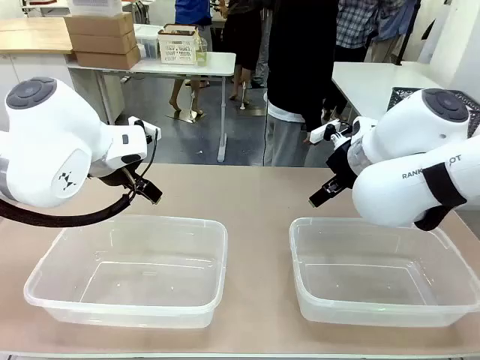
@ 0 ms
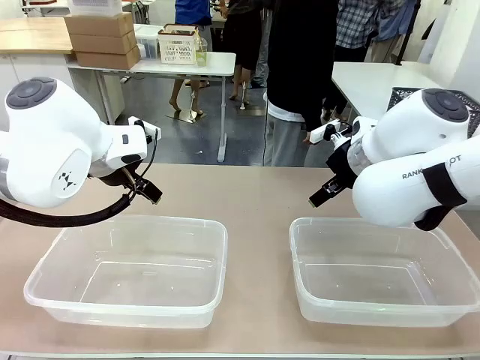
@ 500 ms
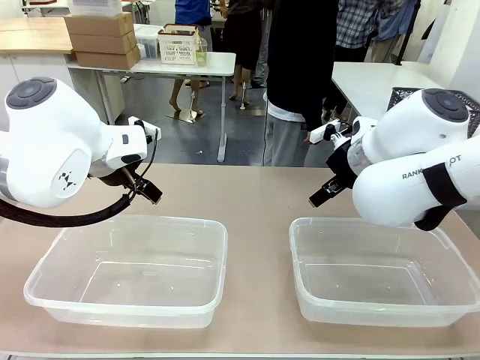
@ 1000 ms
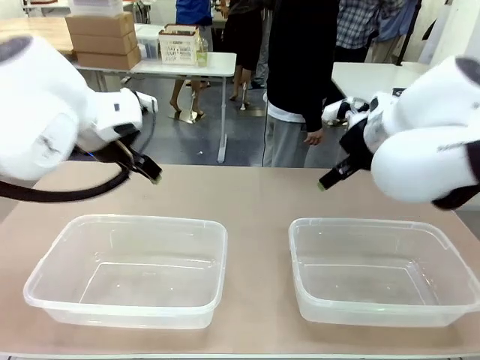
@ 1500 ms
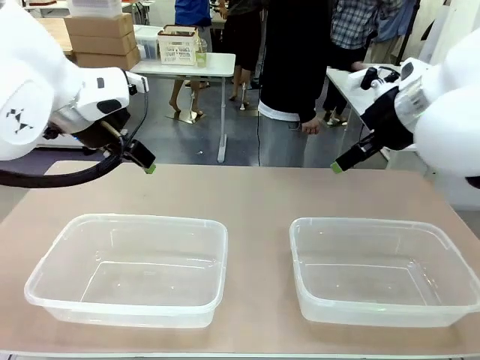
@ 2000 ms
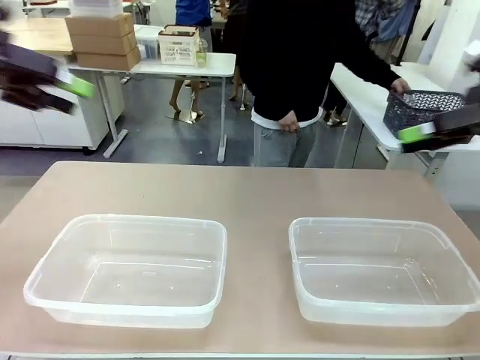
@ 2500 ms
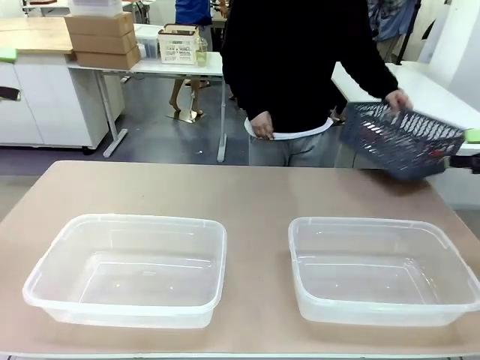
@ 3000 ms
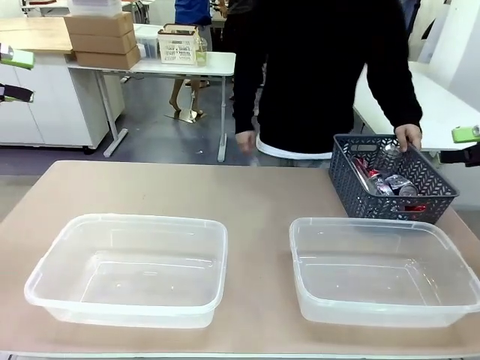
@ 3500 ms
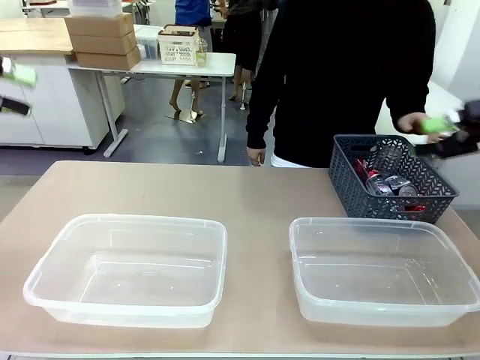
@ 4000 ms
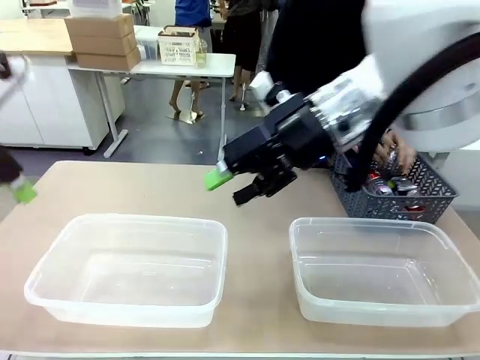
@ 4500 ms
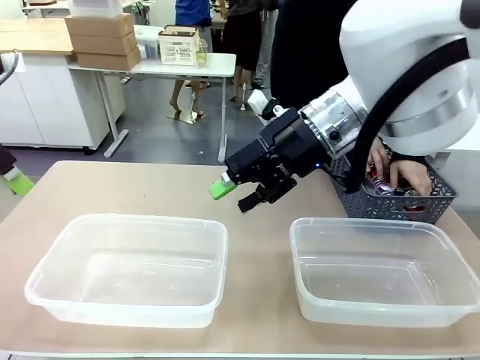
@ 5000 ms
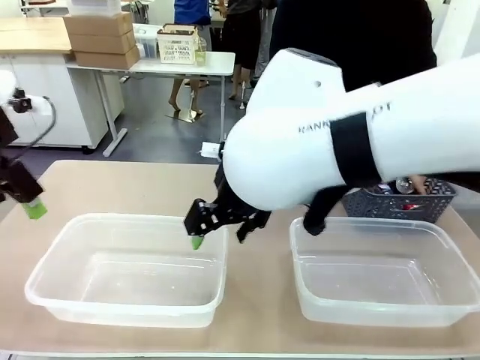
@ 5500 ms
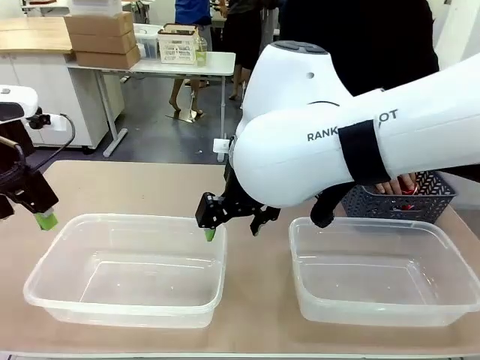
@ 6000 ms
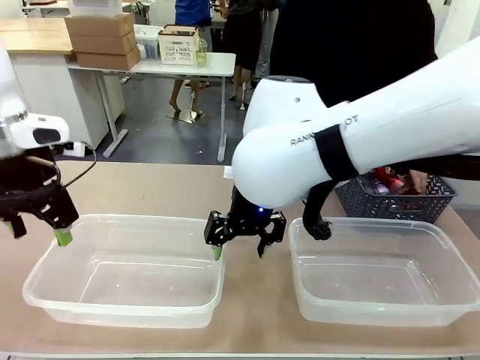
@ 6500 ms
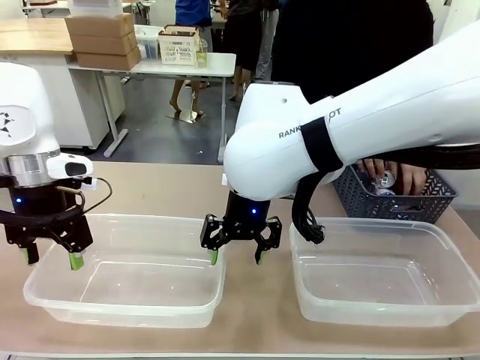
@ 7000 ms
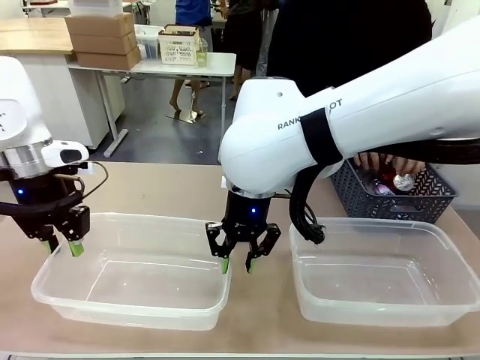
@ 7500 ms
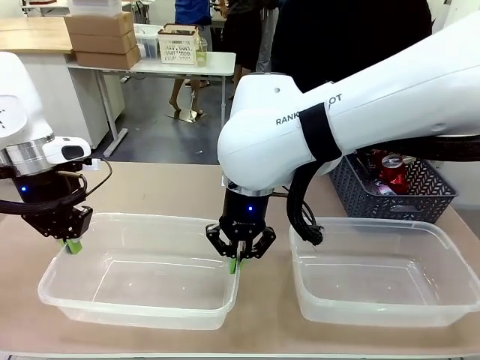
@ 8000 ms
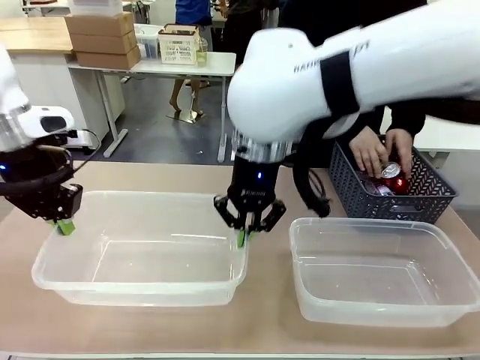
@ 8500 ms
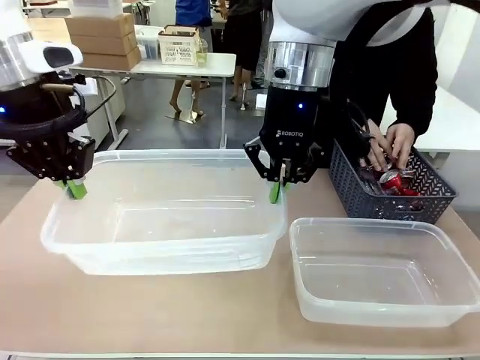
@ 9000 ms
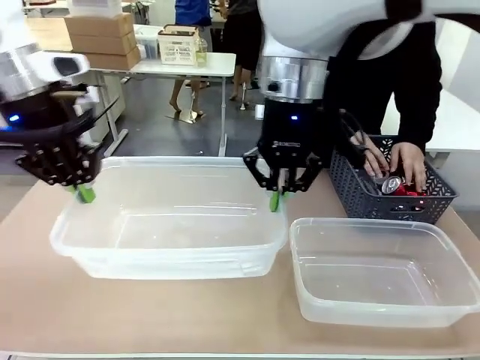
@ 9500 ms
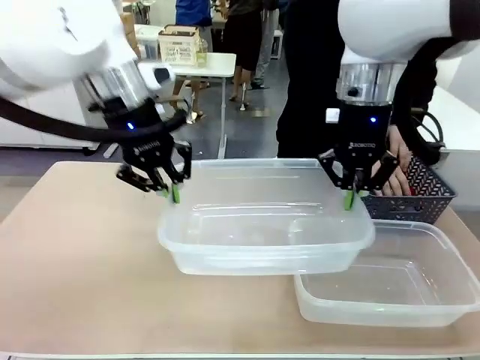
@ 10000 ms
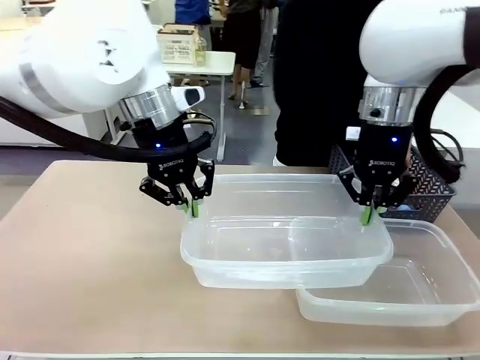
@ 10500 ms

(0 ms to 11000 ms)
Robot: Pick up the Organizing box on the left side of the table and lift it.
Person: Pick up the storage basket and place it on the left side of the robot table. Pick up can-shaped waste one by one and place it into the organizing box lifted by the robot.

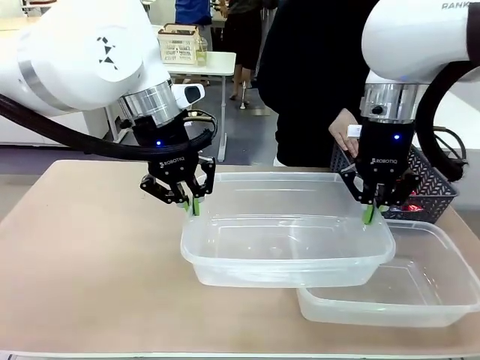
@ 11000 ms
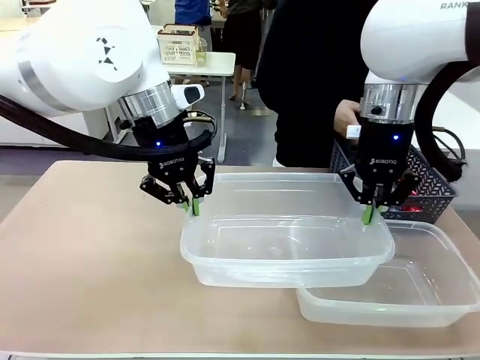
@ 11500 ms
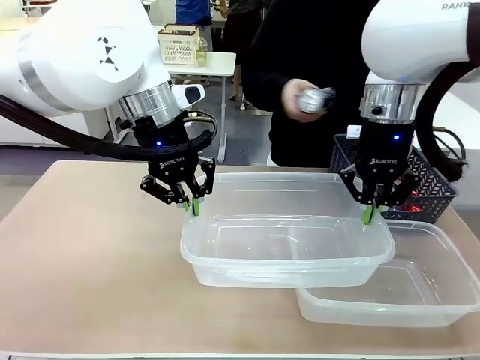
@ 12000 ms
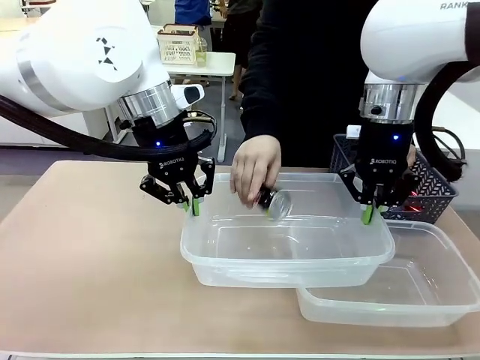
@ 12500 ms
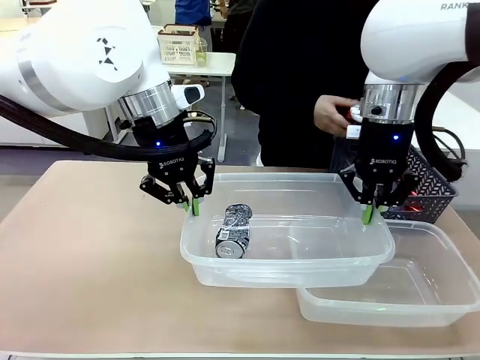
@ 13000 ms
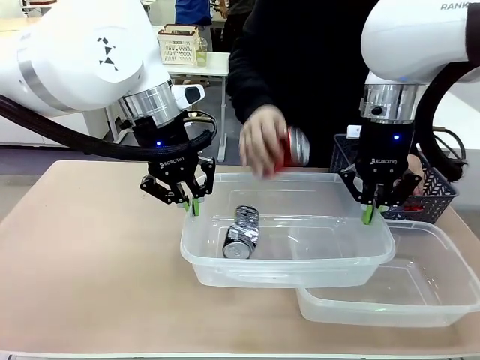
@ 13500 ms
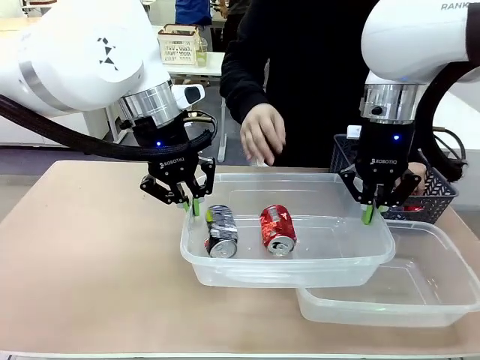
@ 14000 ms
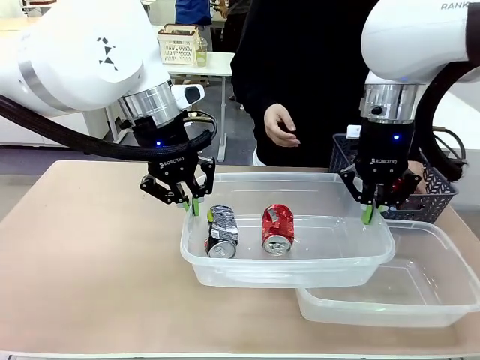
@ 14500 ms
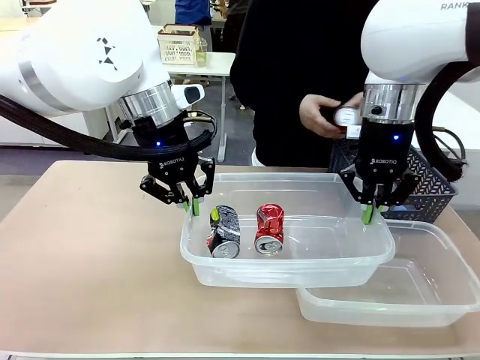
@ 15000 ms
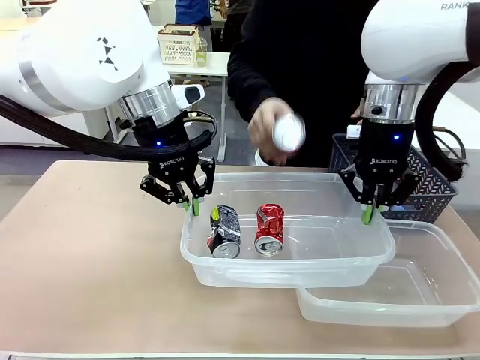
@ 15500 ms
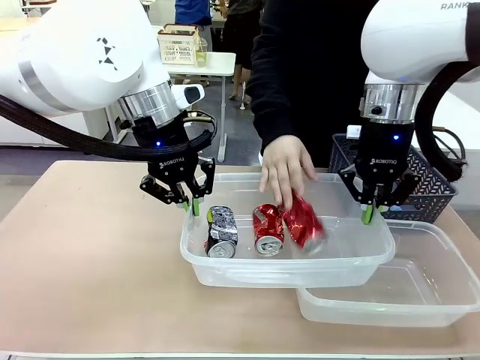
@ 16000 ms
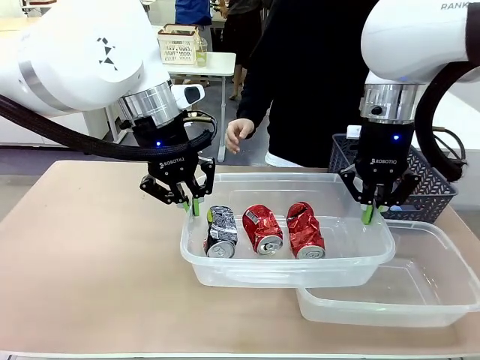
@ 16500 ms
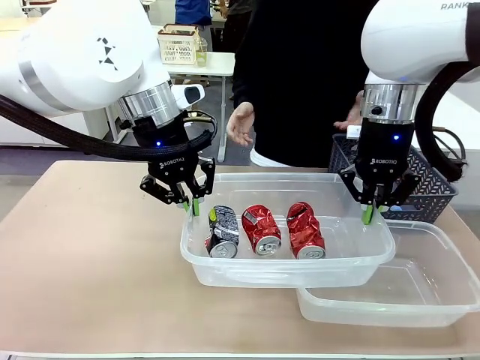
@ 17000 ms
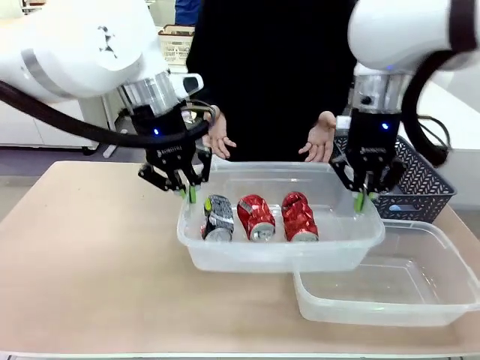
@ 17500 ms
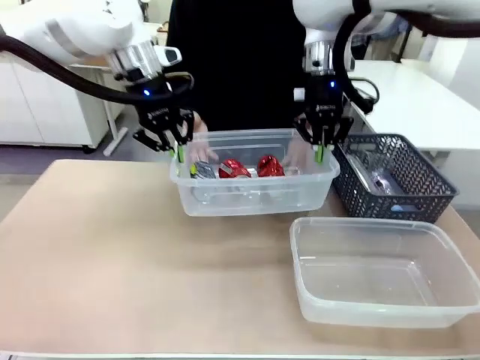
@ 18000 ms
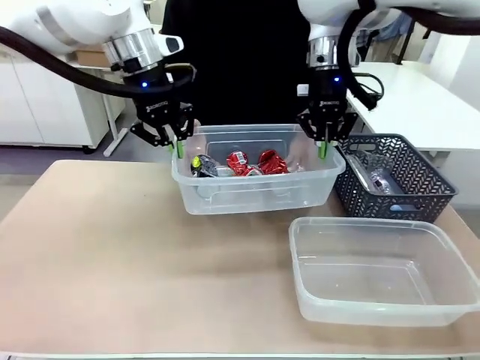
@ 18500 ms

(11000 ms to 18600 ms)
Robot: Offer the picked Organizing box to the human.

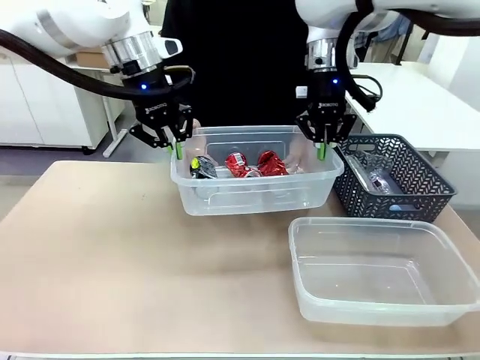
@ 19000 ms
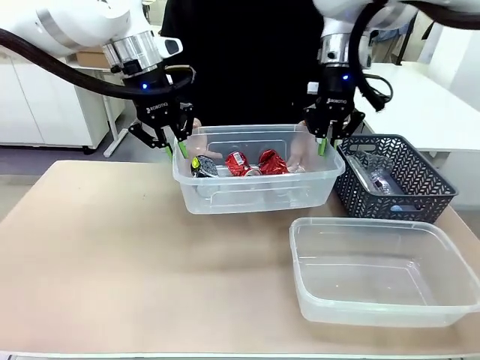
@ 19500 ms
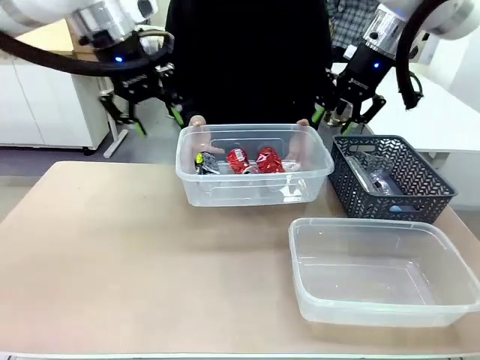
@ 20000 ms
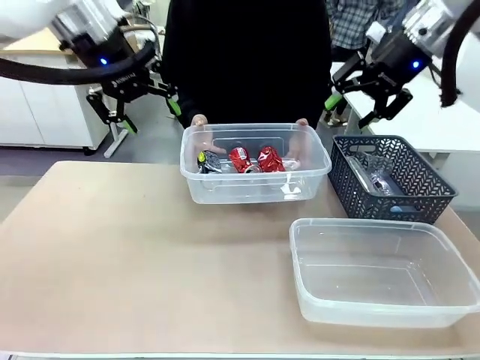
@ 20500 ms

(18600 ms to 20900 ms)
Robot: Release the Organizing box you were holding.

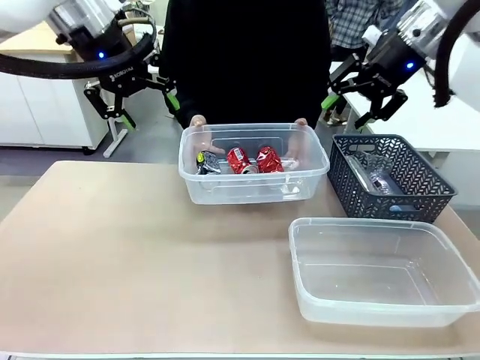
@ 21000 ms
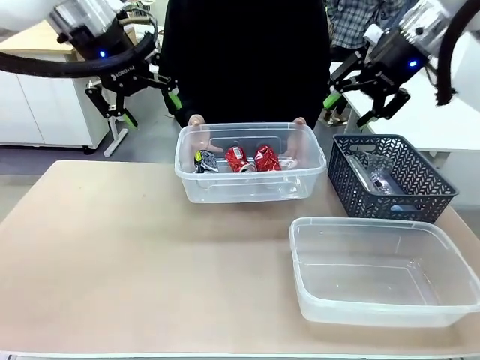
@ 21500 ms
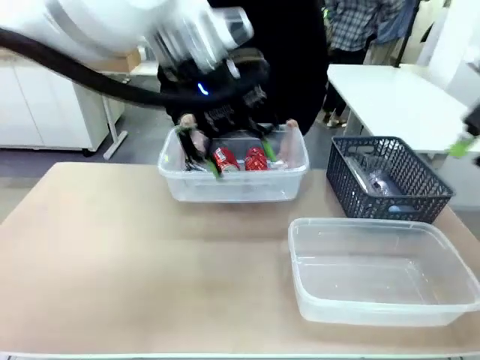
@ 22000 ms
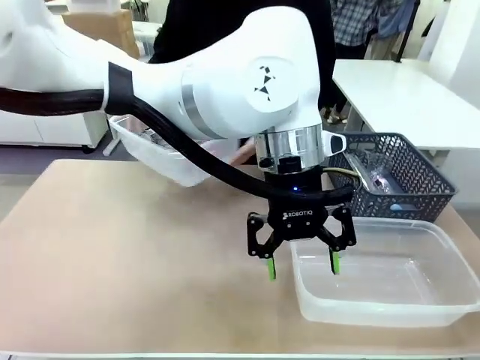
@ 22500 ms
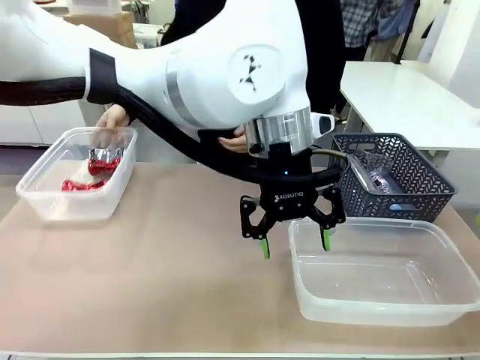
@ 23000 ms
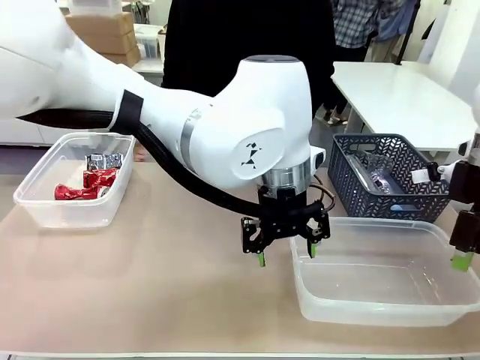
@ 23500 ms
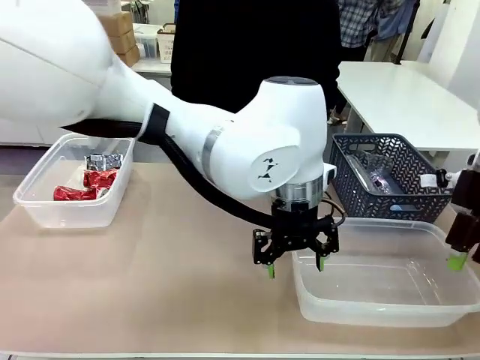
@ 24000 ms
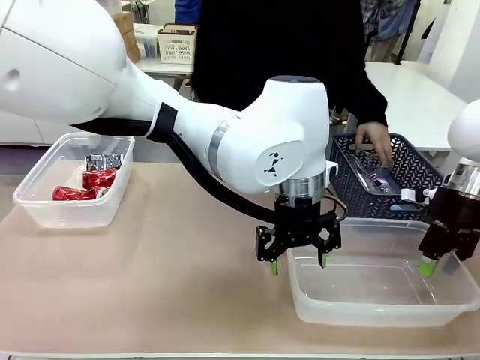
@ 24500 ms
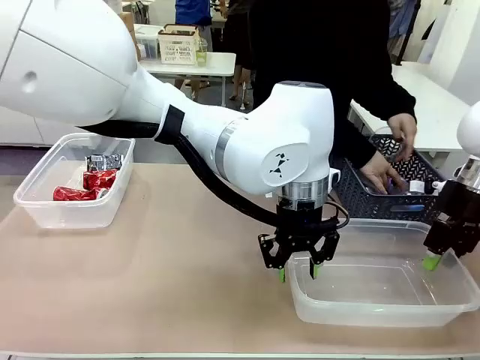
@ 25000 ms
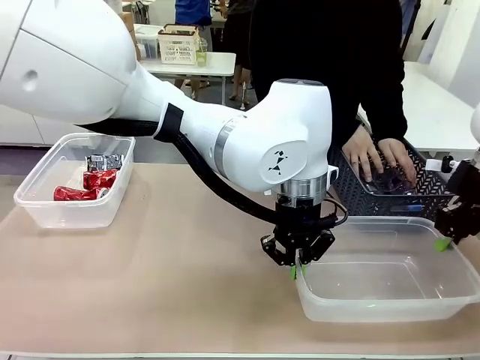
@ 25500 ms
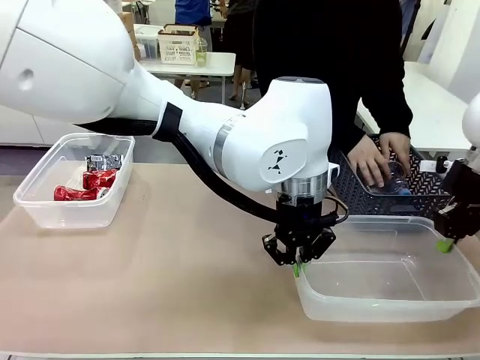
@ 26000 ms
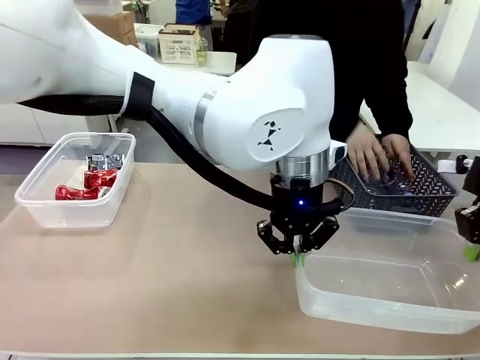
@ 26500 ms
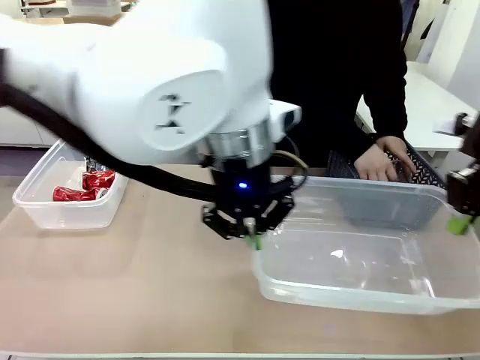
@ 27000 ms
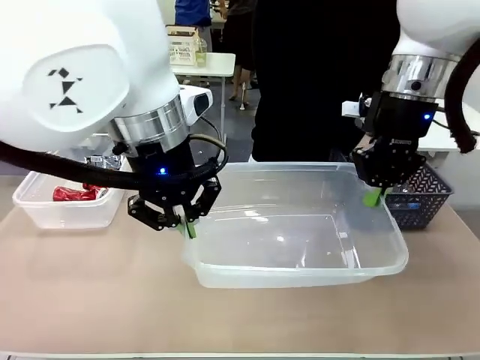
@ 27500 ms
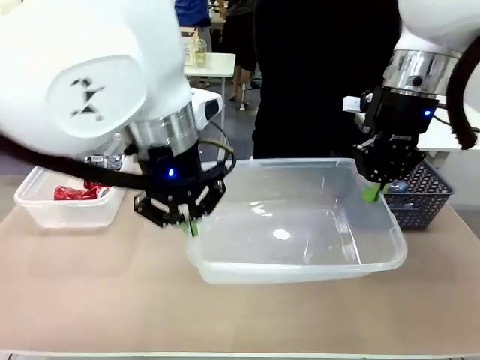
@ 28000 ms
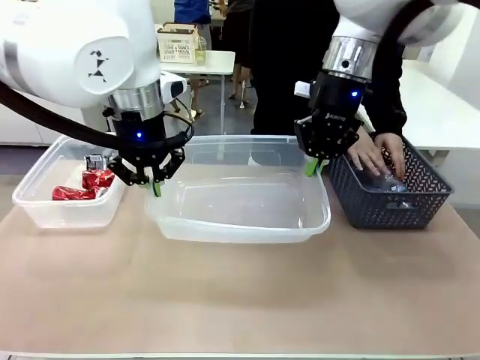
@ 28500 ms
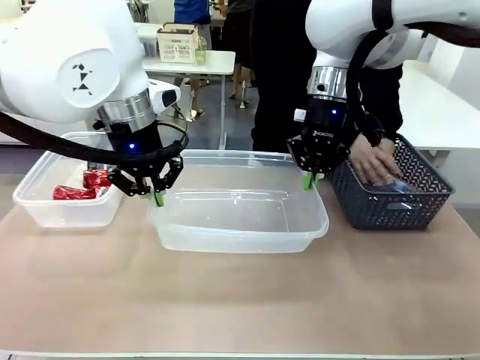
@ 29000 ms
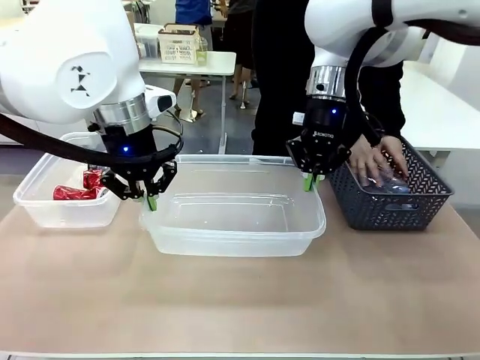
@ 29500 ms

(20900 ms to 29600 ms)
Robot: Pick up the Organizing box on the right side of the table and lift it.
Person: Place it at the edge of the bottom right area of the robot table. Pick up plastic waste one by one and place it into the organizing box lifted by the robot.
